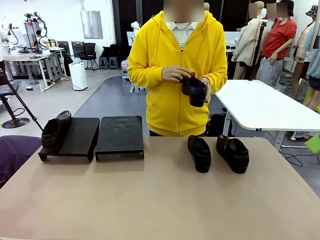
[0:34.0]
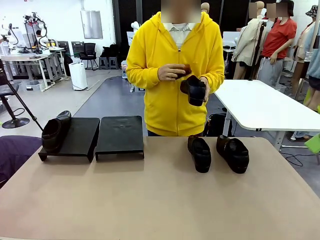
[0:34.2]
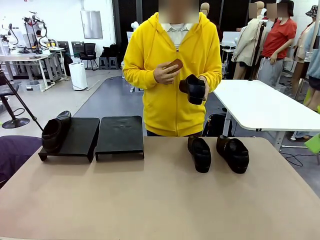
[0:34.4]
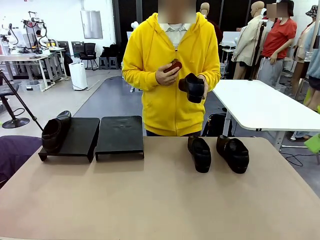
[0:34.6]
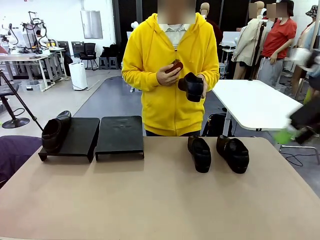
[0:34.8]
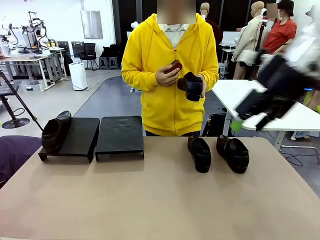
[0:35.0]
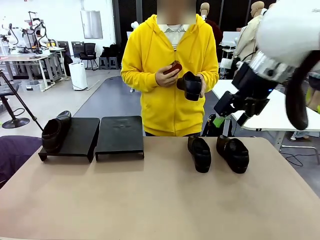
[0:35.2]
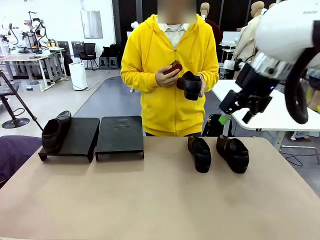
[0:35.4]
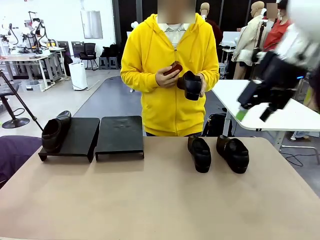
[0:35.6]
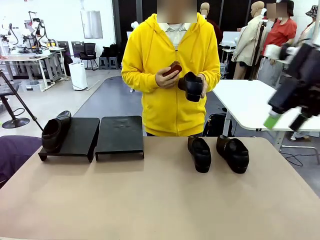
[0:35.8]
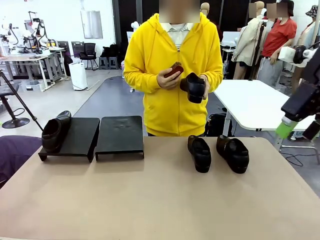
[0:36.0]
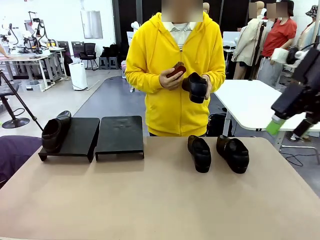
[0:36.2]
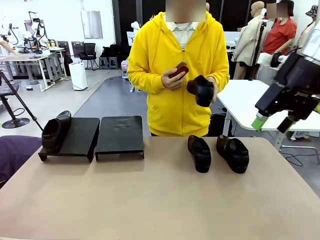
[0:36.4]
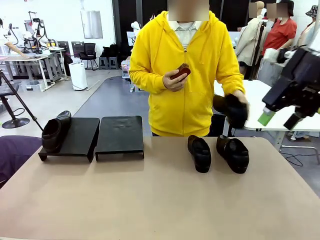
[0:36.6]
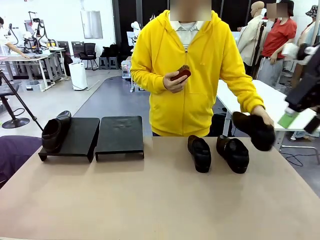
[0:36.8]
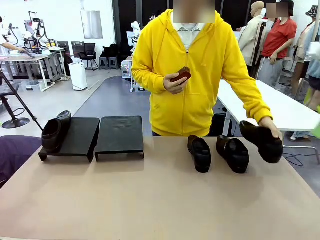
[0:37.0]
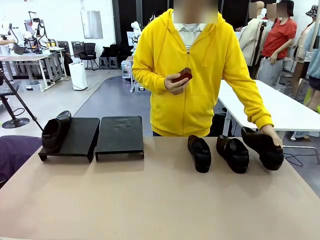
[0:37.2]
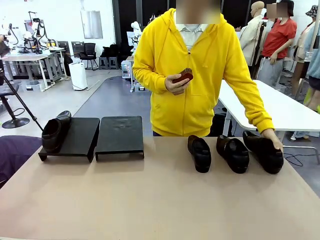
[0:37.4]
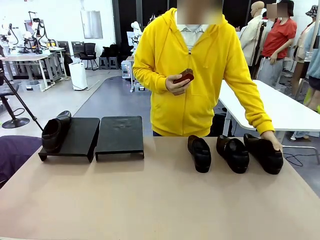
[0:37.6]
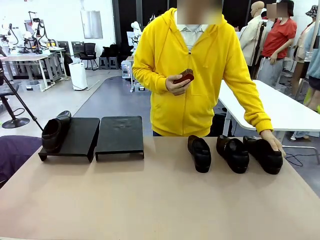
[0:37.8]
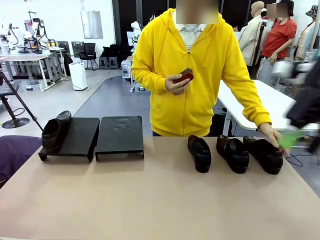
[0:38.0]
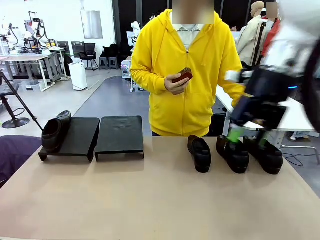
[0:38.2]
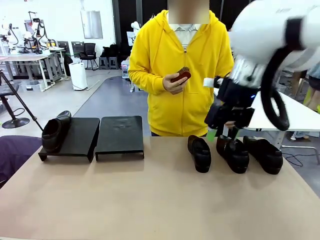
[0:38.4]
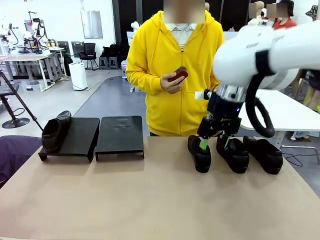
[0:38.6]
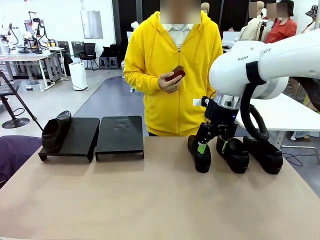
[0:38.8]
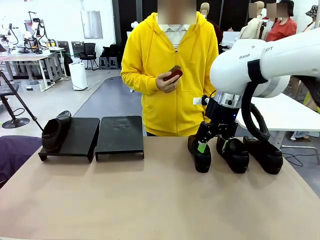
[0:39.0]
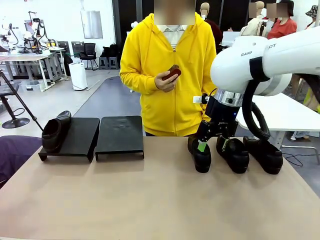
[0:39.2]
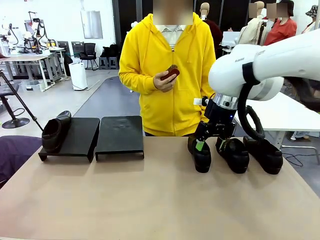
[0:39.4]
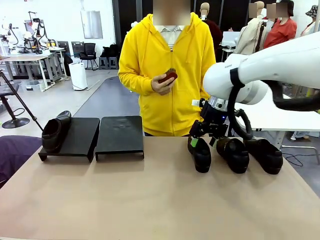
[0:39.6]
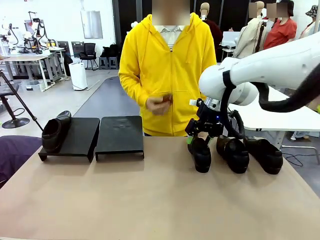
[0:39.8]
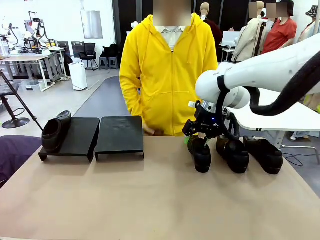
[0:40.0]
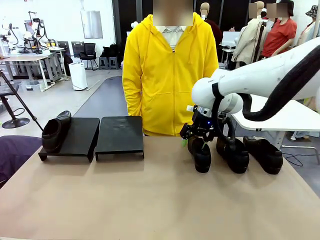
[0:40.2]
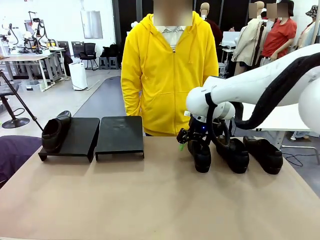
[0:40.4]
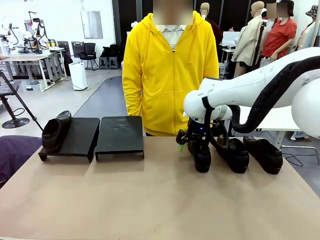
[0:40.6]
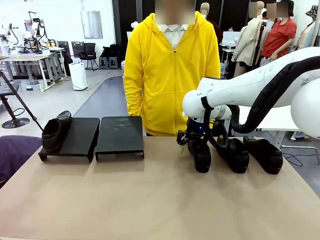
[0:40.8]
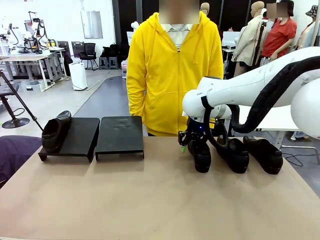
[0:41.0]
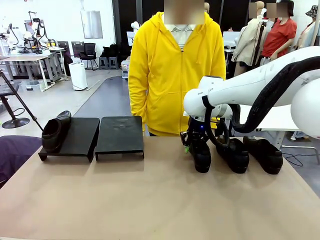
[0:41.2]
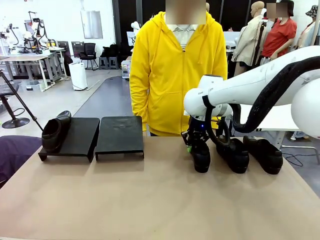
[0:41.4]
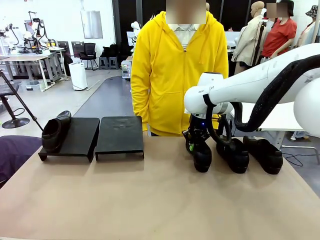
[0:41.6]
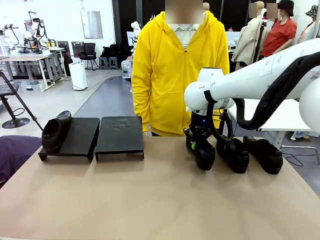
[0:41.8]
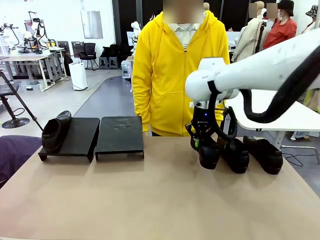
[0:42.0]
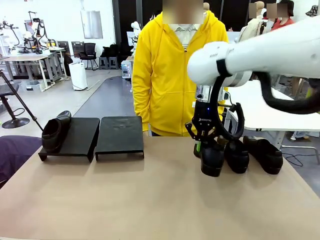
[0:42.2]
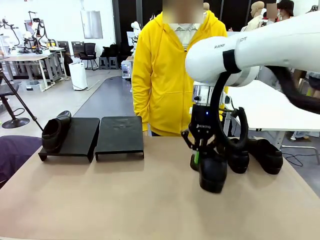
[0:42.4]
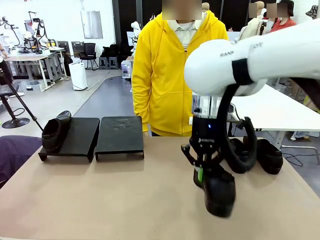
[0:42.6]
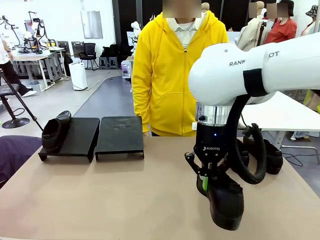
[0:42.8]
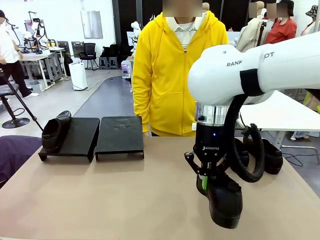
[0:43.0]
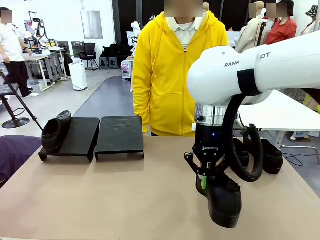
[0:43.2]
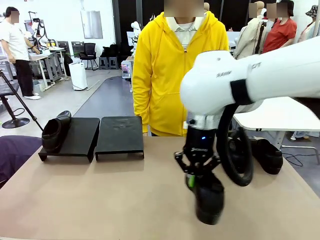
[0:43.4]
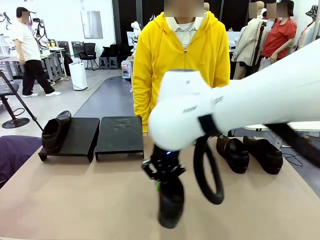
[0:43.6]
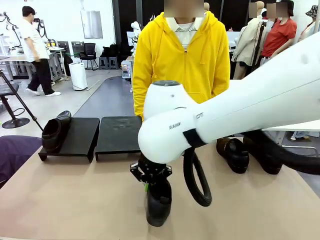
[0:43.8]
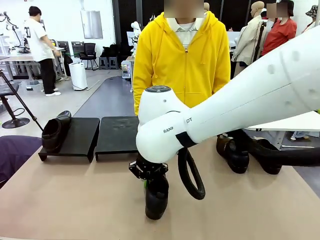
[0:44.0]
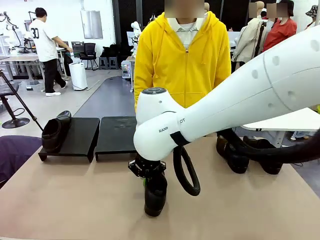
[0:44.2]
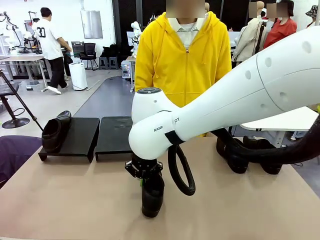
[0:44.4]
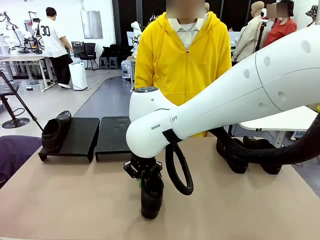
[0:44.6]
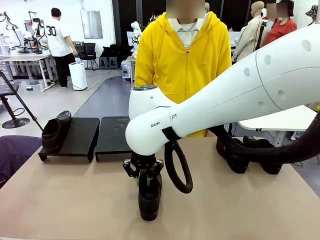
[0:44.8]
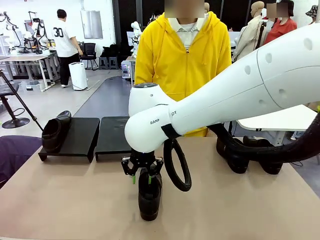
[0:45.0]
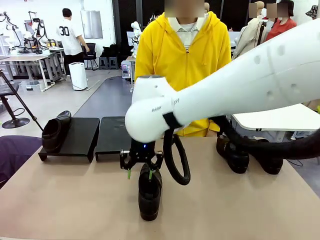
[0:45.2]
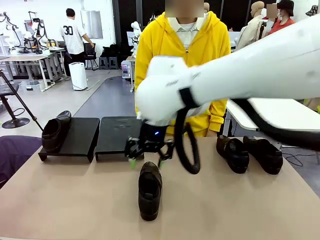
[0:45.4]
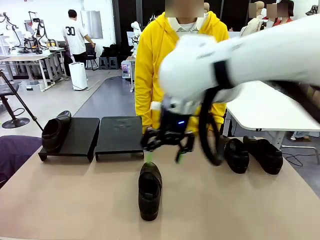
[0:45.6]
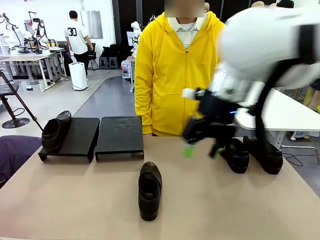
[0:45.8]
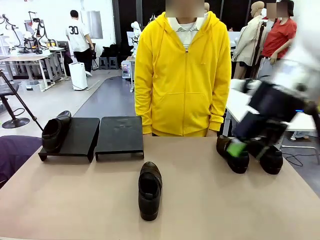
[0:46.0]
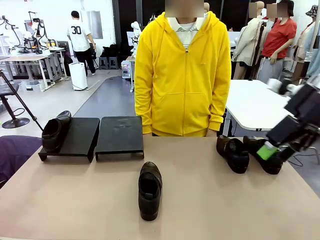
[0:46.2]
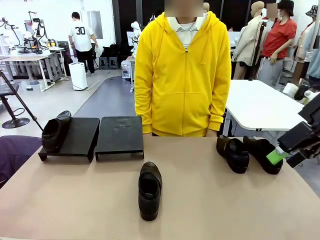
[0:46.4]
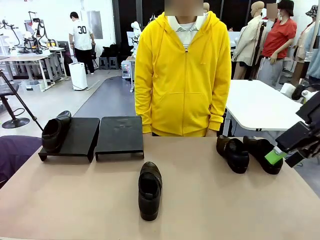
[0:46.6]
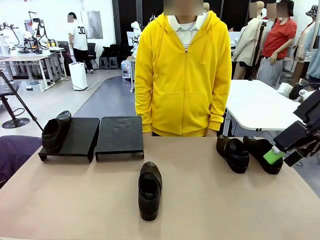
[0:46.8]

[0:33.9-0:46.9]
Task: Organize the shoes by placing them on the stand.
Robot: Pick up one Shoe and place it in the middle of the table.

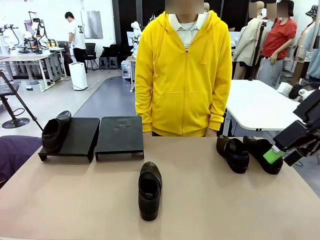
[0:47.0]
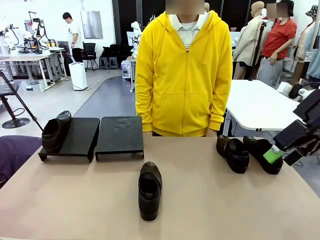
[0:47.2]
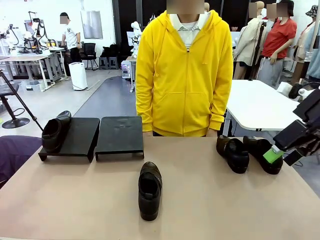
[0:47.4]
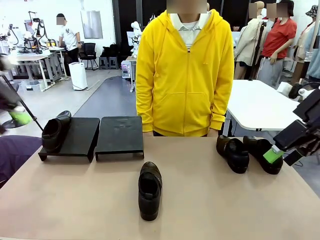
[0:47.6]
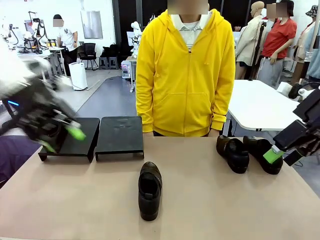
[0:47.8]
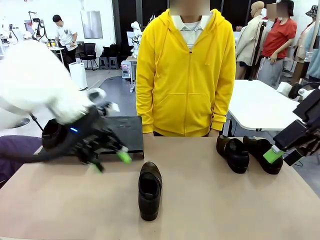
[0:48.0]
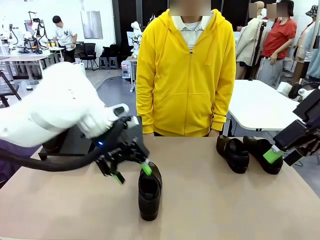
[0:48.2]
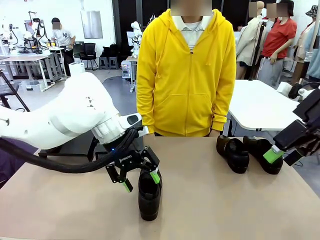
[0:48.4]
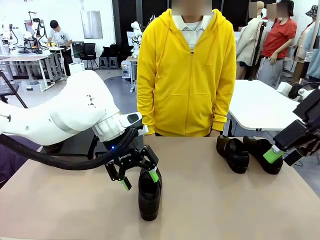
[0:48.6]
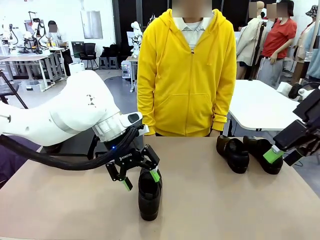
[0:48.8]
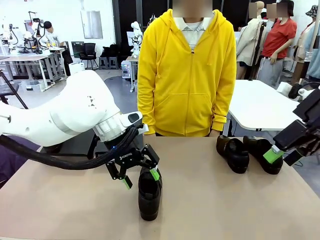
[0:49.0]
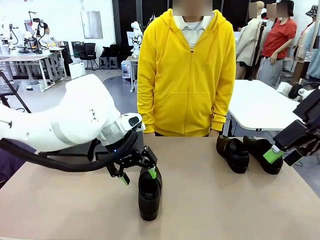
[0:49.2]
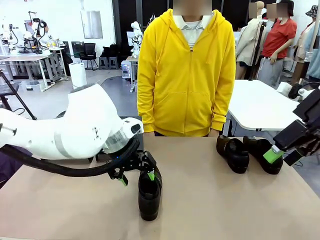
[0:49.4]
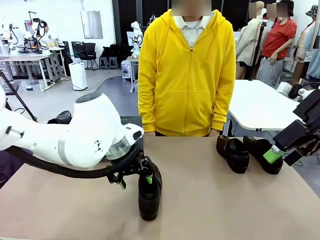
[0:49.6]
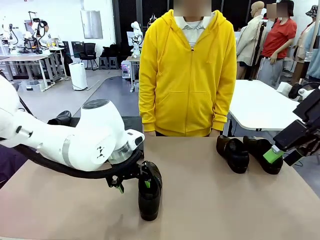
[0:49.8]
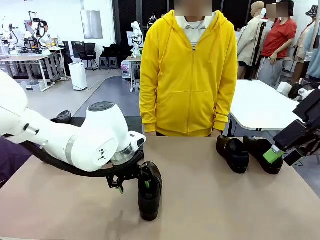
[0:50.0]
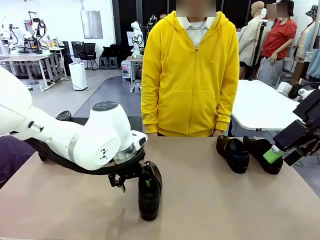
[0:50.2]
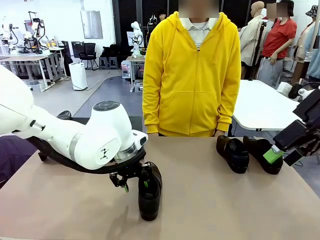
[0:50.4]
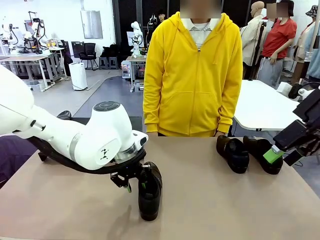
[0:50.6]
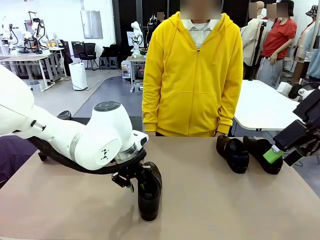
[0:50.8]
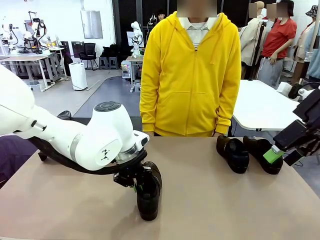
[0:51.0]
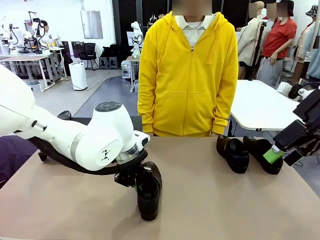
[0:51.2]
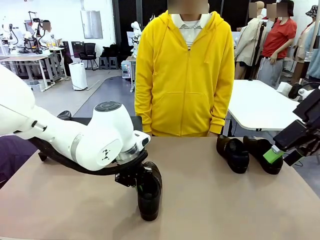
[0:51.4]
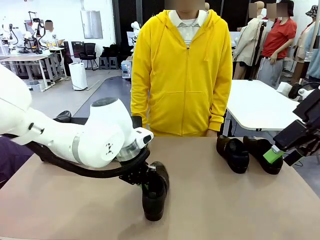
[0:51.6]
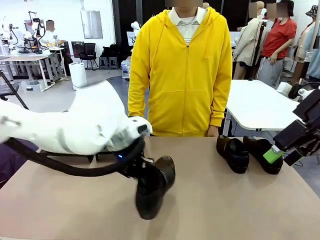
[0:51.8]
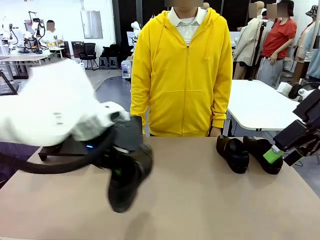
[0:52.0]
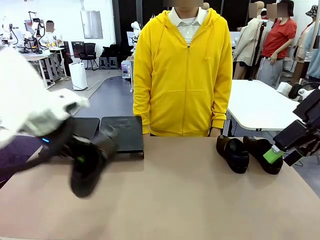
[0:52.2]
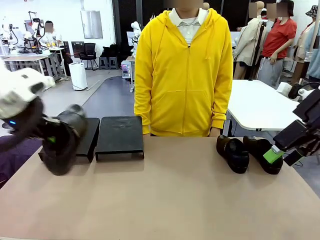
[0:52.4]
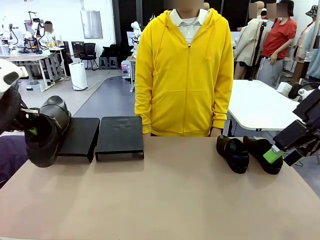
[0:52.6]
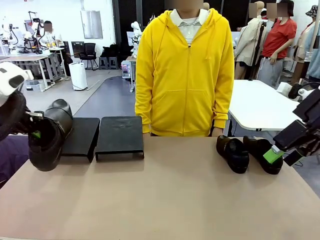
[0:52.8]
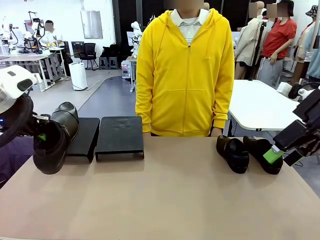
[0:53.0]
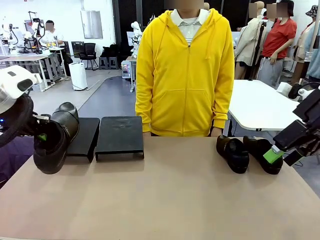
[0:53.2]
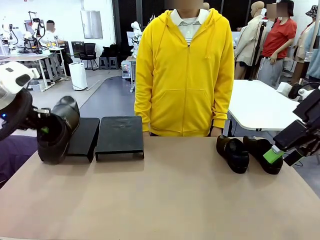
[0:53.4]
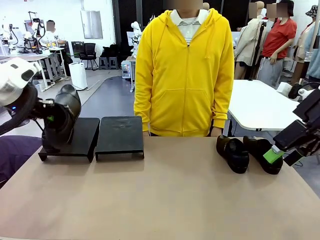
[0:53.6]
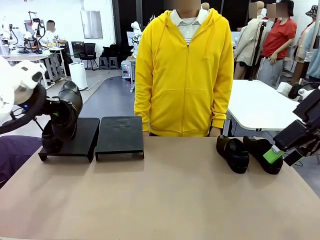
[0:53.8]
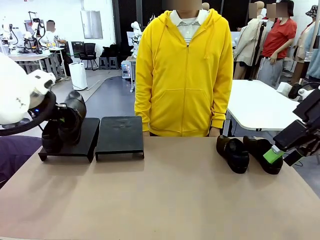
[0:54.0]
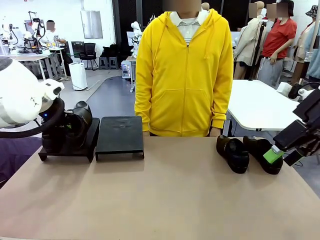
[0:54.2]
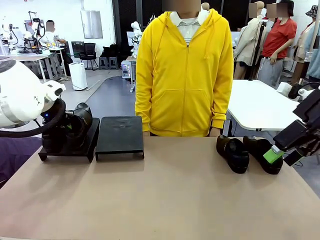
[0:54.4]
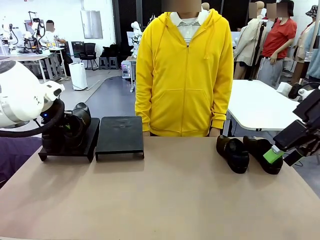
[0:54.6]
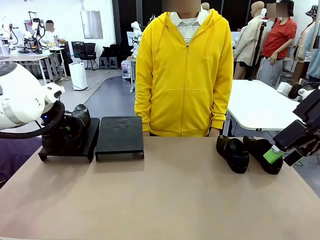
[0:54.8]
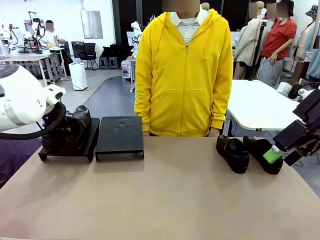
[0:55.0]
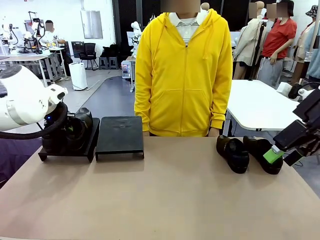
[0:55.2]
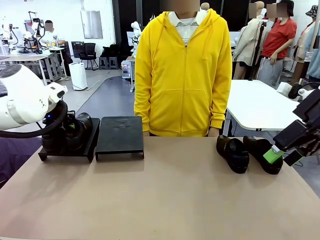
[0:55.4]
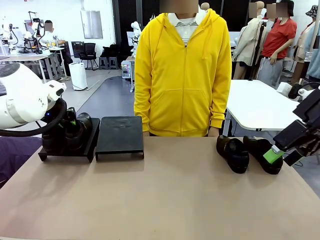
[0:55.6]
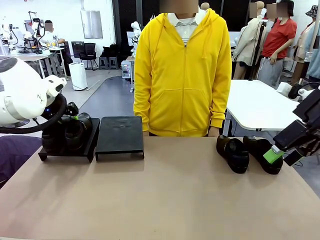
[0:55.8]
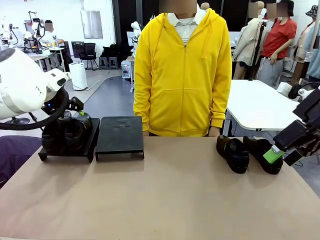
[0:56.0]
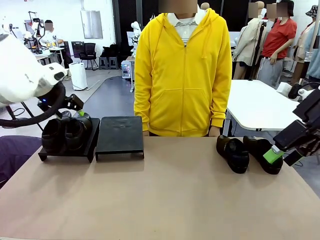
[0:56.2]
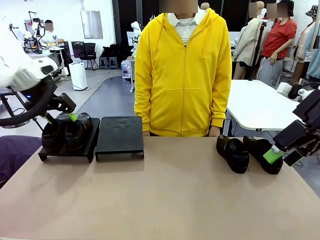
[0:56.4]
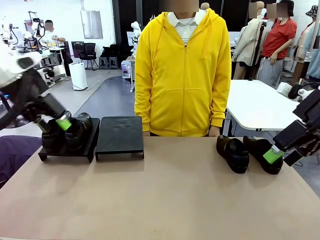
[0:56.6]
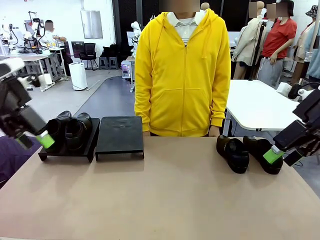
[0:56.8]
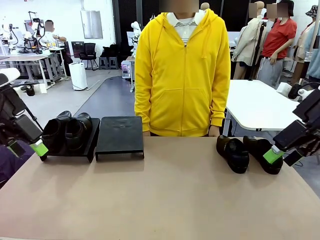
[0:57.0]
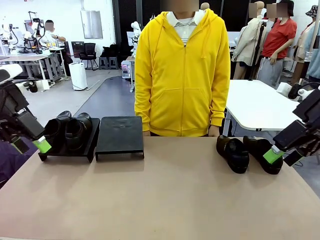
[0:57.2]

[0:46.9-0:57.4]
Robot: Place the Shoe from the middle of the table onto the Shoes Stand.
